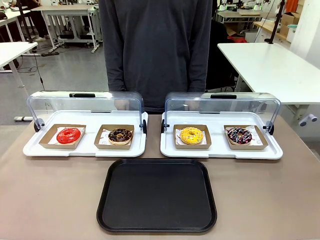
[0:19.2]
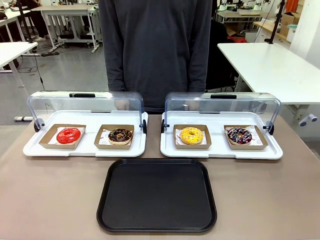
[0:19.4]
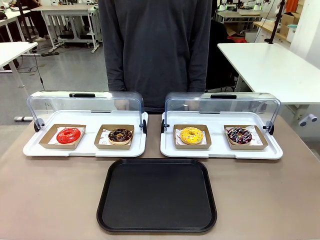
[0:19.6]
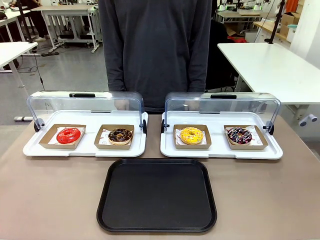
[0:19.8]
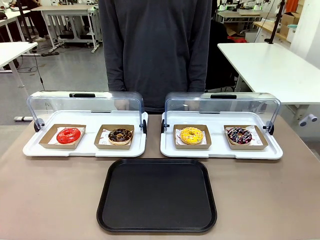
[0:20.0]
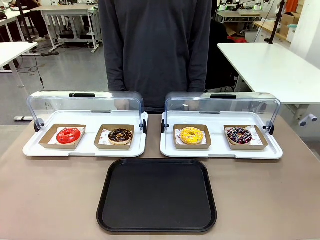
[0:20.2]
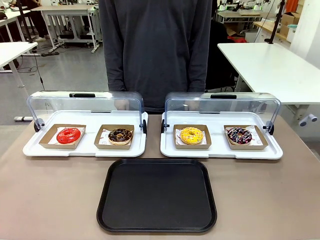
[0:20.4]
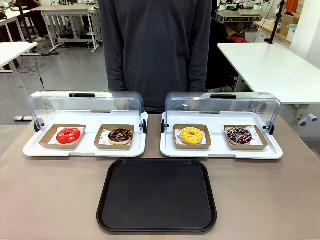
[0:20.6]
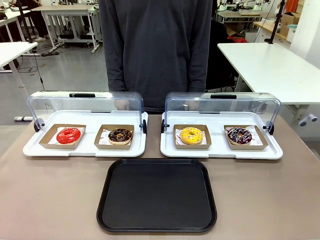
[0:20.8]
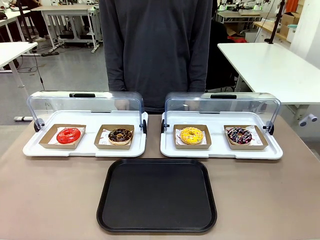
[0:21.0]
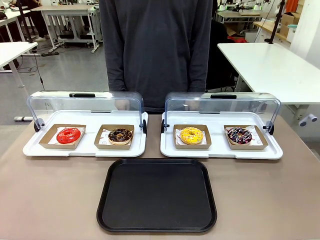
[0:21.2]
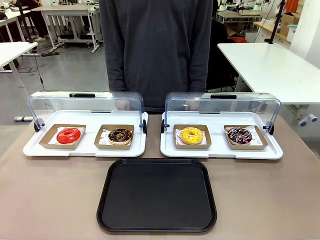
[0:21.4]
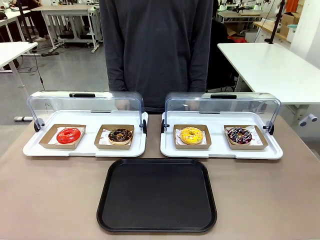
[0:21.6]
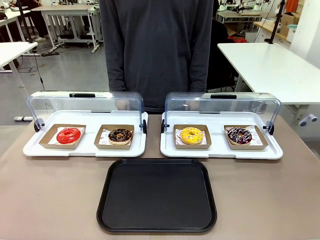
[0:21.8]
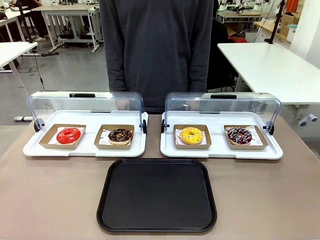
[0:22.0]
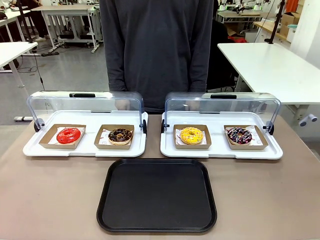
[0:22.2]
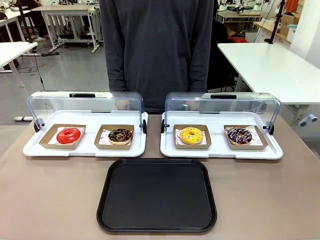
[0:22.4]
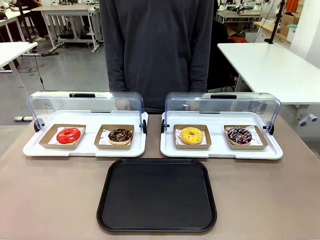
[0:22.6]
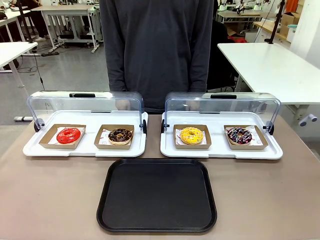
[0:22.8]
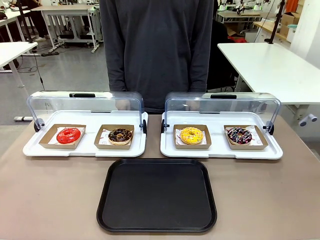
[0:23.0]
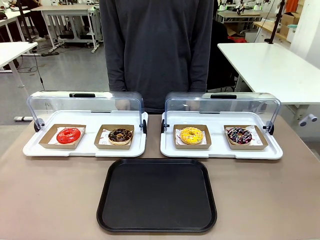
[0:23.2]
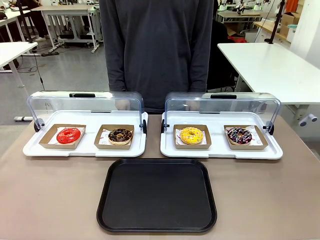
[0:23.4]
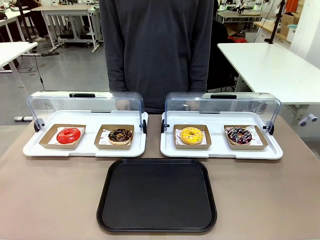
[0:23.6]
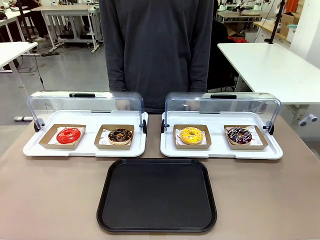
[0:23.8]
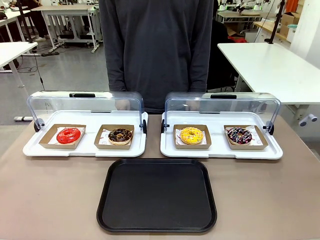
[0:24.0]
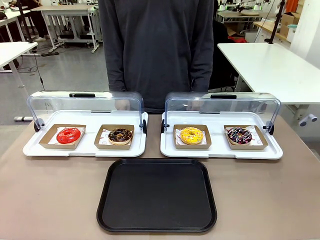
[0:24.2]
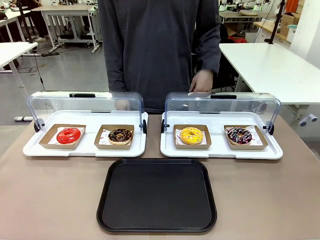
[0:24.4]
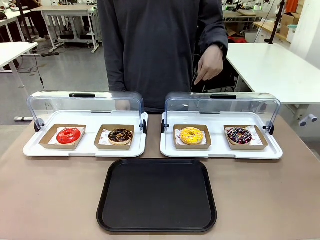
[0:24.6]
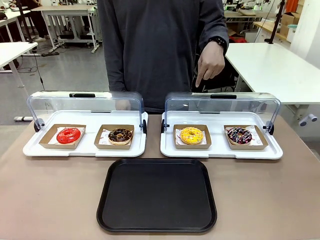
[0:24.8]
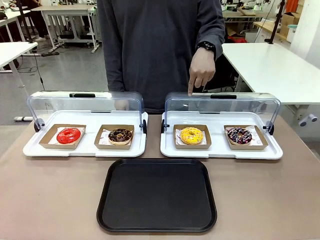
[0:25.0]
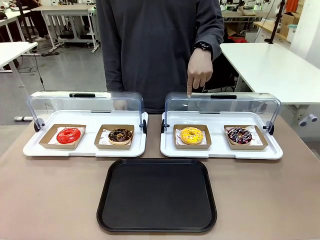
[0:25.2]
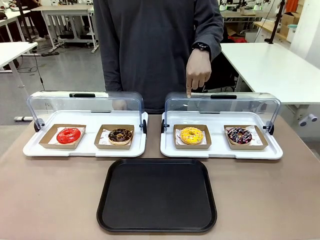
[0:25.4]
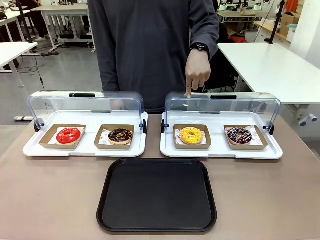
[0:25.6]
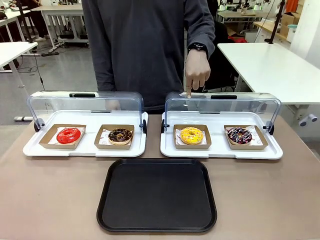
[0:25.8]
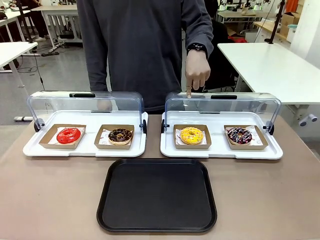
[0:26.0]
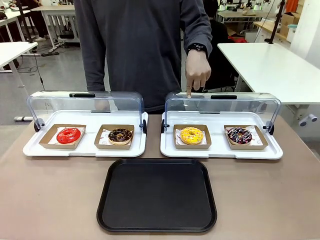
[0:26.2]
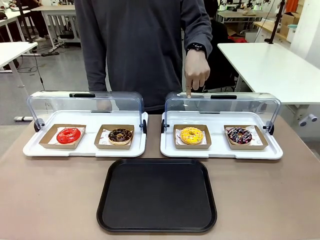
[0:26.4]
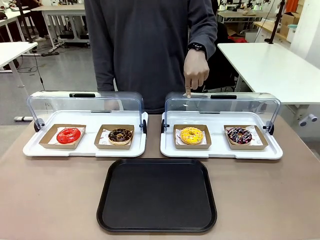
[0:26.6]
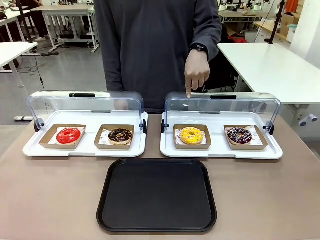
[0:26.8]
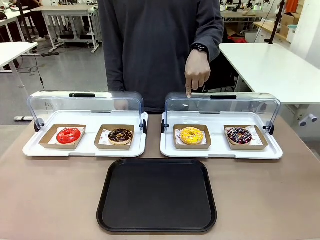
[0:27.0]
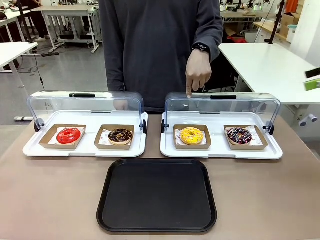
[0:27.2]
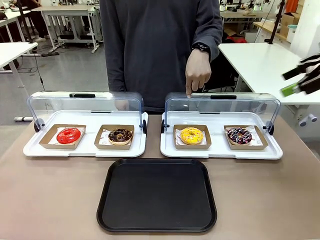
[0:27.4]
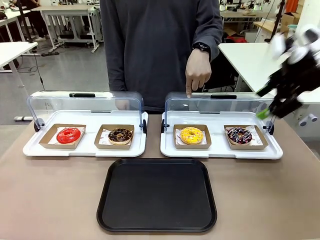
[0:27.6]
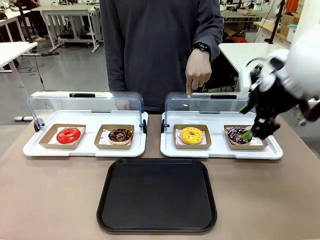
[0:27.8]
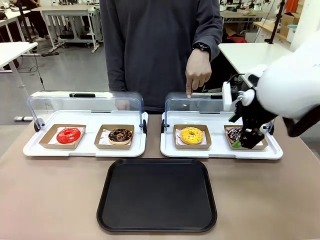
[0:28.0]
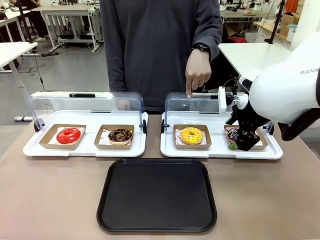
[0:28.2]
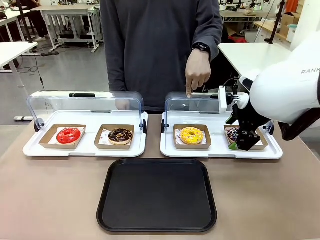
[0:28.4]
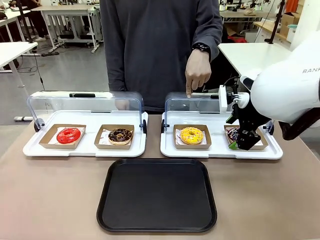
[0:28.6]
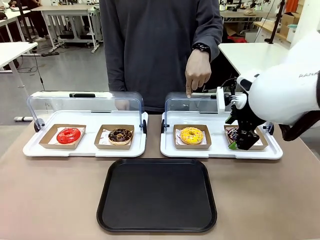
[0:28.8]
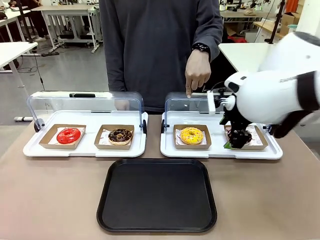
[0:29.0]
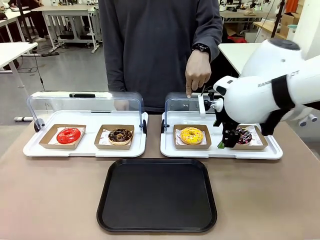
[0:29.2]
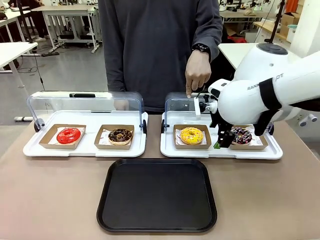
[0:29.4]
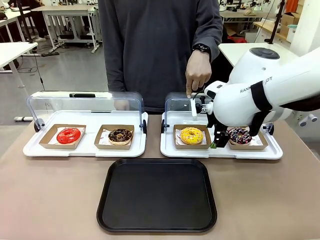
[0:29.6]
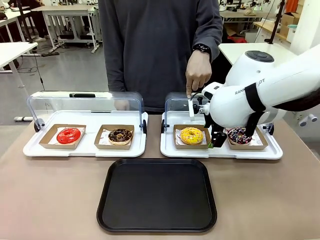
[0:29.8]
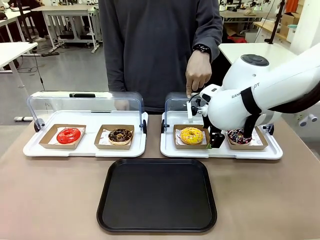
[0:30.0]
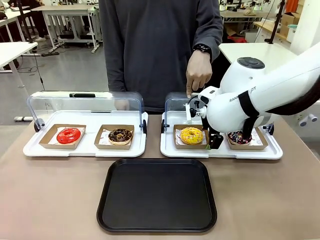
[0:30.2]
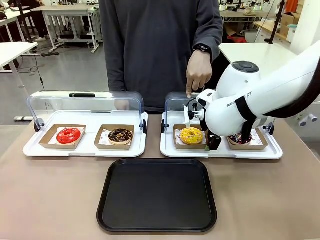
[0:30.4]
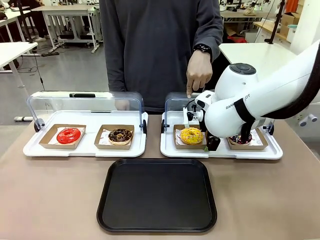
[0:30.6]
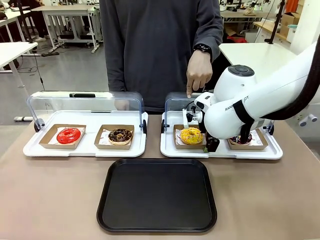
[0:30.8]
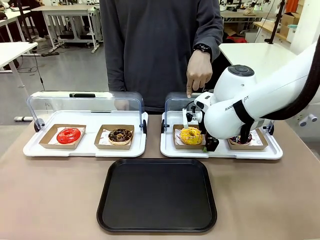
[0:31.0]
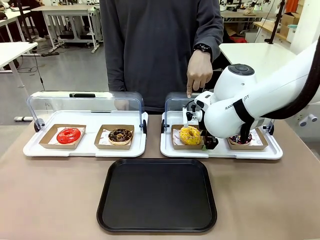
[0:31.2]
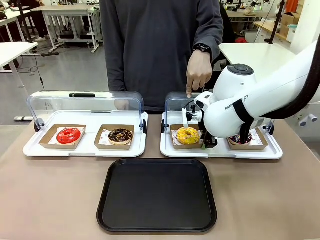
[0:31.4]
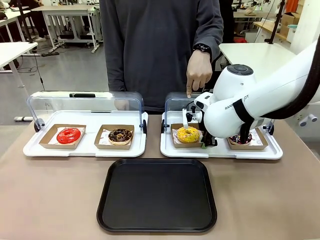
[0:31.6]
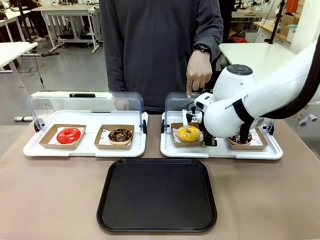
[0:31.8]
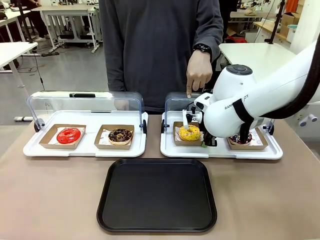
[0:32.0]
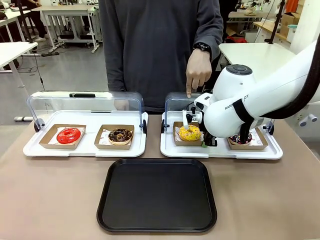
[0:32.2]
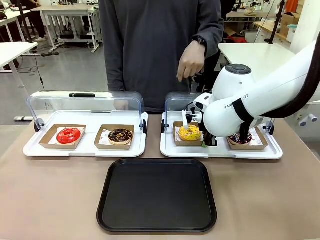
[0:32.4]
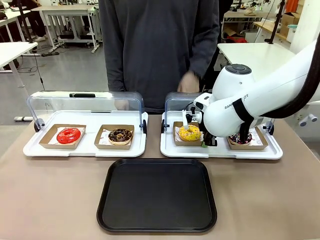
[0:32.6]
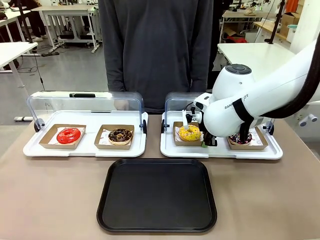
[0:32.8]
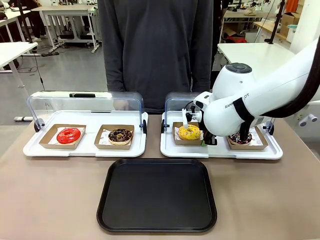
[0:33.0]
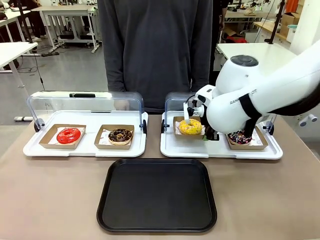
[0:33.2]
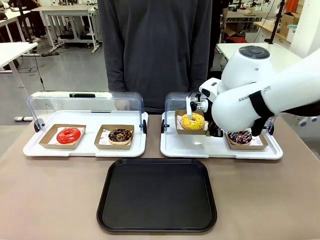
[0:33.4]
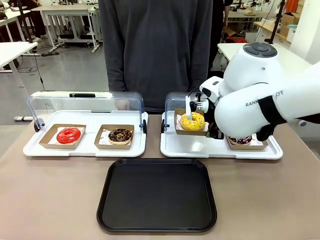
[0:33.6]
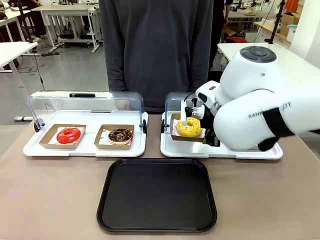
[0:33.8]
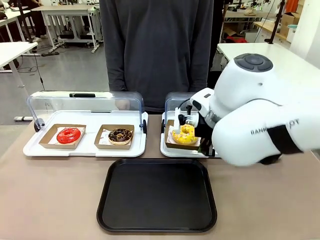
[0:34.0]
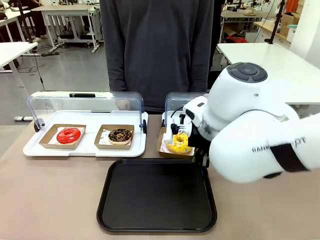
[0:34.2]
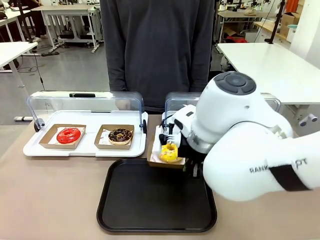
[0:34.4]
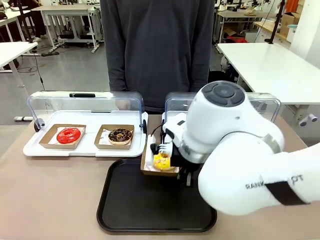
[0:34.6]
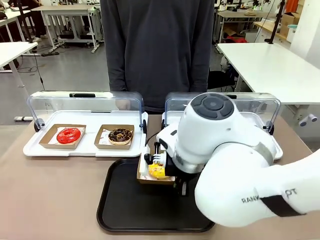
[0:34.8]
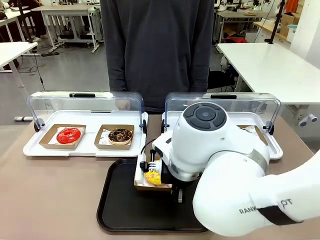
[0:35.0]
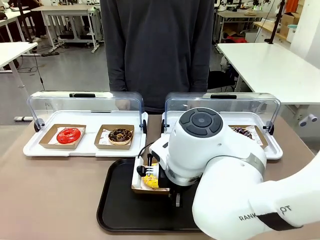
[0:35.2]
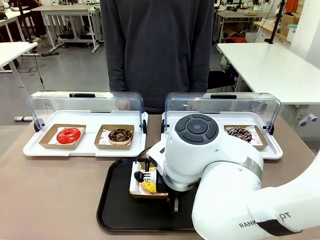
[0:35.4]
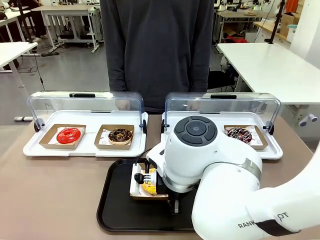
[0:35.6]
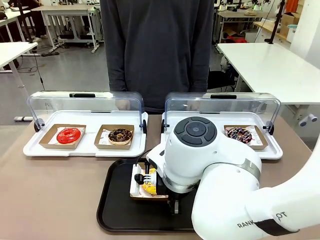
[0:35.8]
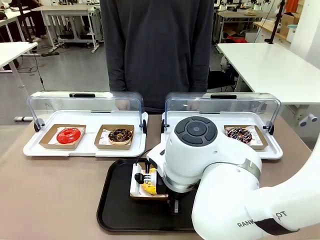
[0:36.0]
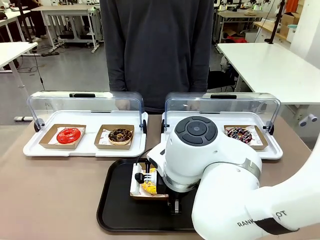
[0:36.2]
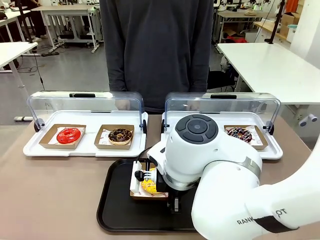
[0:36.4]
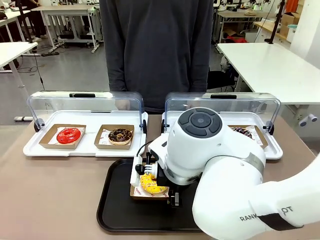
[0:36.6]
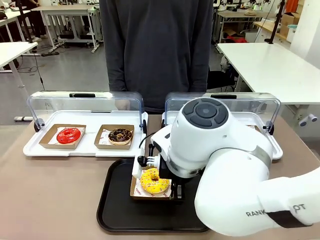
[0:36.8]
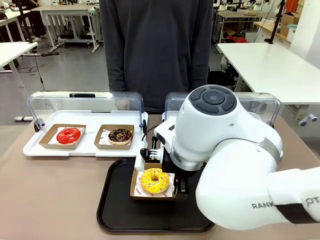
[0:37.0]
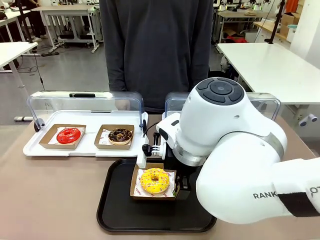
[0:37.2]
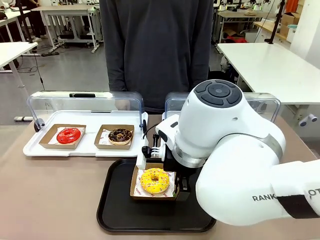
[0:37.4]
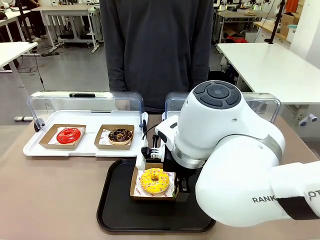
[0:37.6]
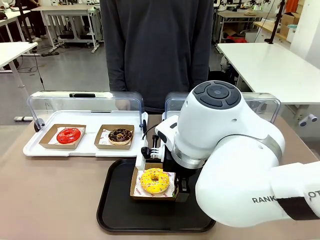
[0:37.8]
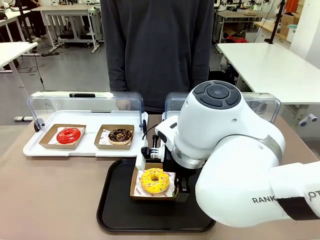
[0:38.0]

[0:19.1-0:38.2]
Task: Move the third donut from the left to the tray.
Robot: Pick up the Paper togo box containing the Donut indicated by the person and place it on the Handle tray.
